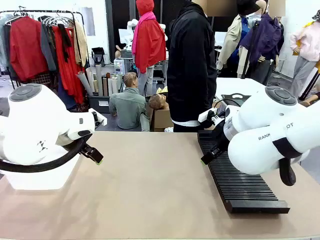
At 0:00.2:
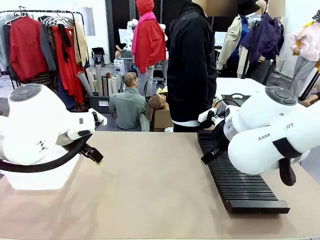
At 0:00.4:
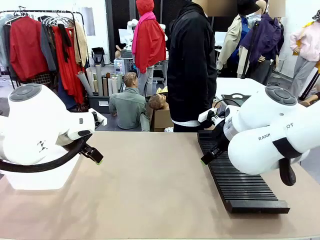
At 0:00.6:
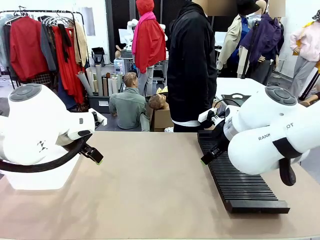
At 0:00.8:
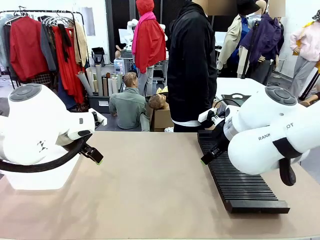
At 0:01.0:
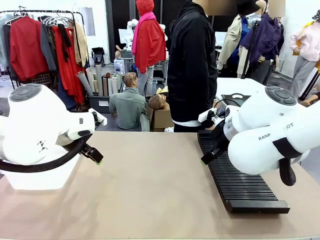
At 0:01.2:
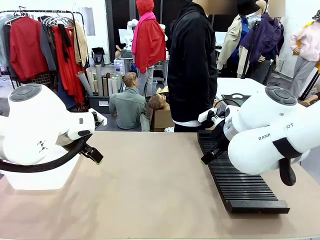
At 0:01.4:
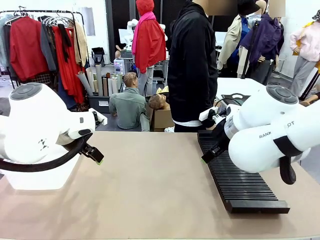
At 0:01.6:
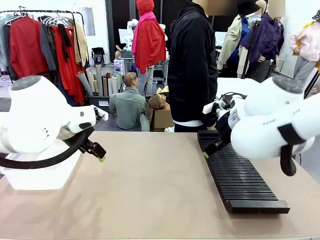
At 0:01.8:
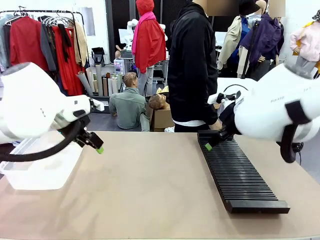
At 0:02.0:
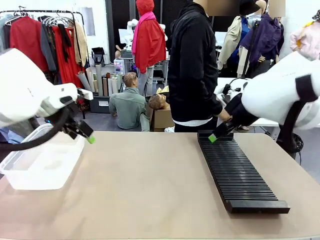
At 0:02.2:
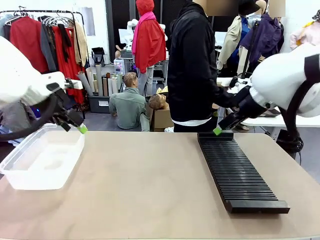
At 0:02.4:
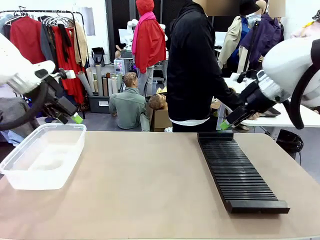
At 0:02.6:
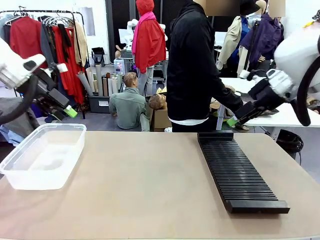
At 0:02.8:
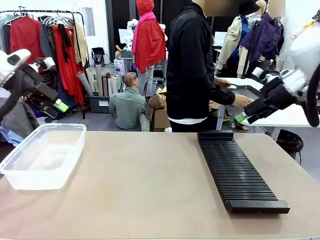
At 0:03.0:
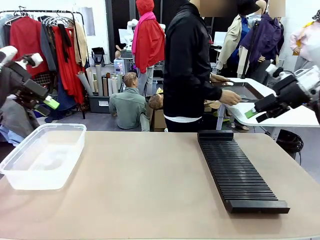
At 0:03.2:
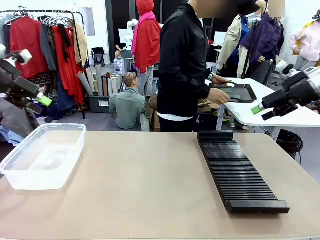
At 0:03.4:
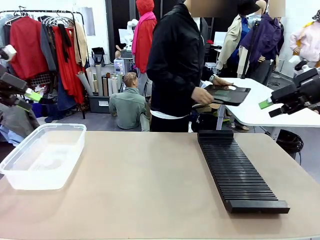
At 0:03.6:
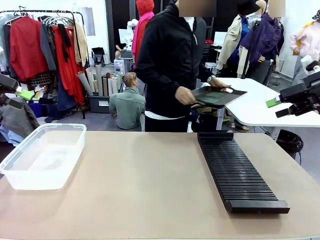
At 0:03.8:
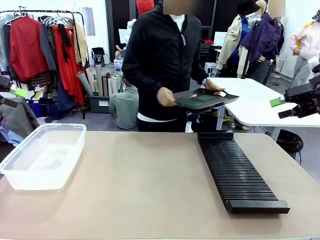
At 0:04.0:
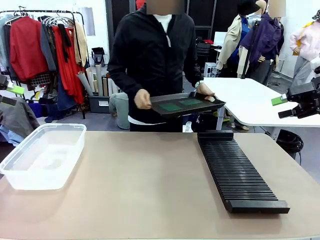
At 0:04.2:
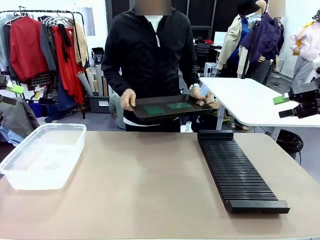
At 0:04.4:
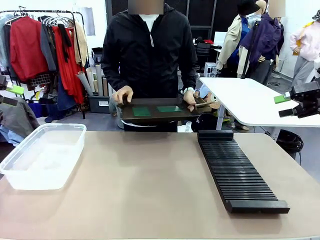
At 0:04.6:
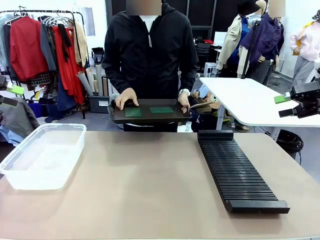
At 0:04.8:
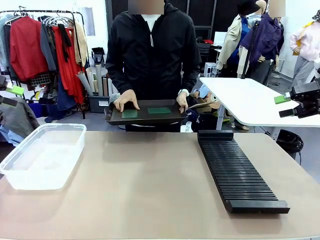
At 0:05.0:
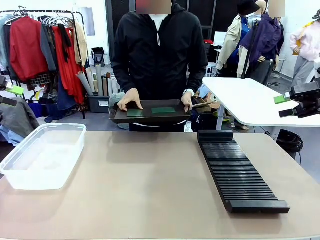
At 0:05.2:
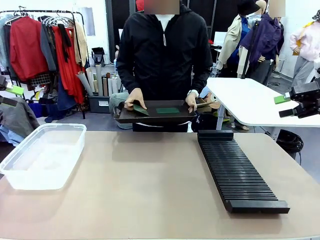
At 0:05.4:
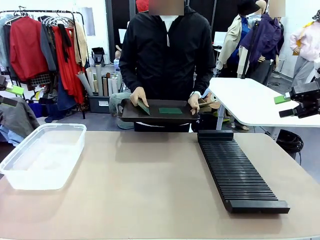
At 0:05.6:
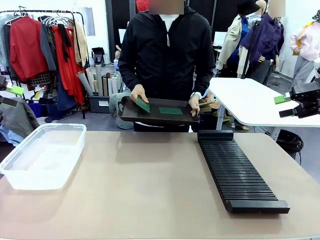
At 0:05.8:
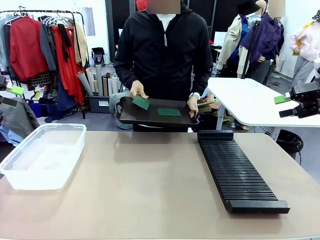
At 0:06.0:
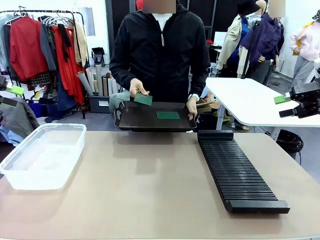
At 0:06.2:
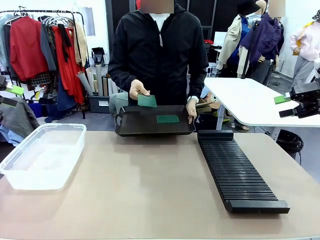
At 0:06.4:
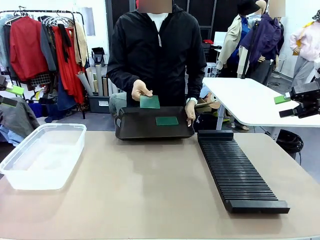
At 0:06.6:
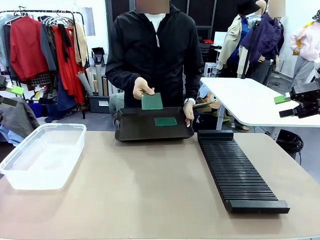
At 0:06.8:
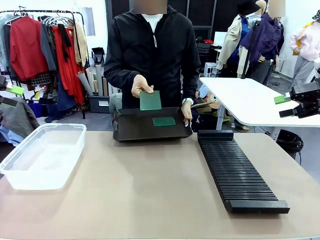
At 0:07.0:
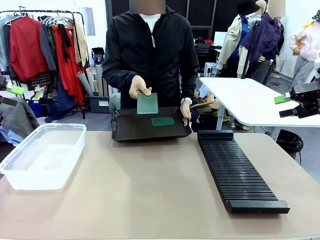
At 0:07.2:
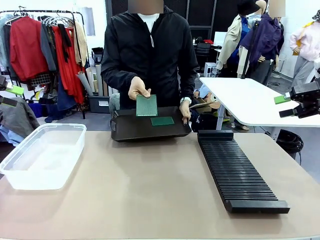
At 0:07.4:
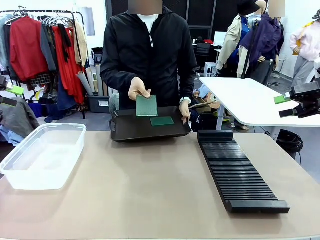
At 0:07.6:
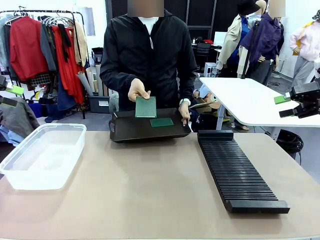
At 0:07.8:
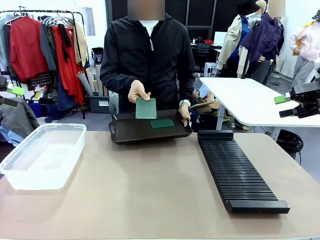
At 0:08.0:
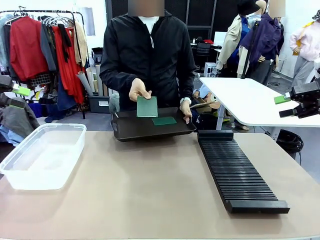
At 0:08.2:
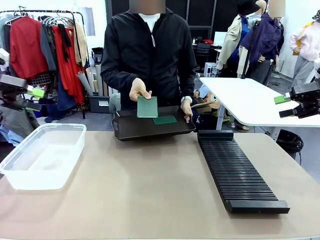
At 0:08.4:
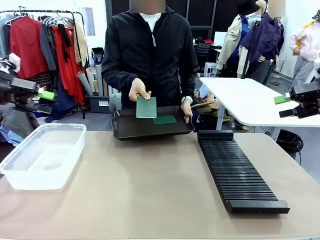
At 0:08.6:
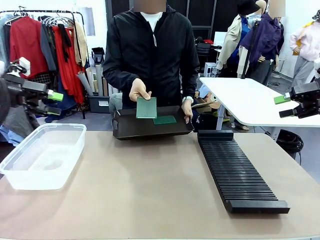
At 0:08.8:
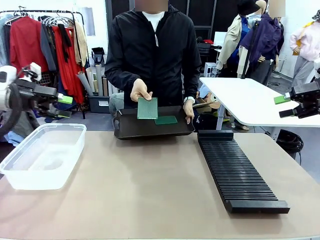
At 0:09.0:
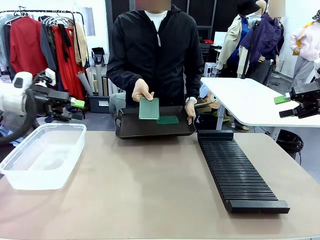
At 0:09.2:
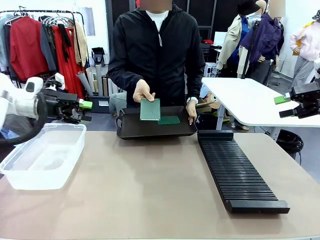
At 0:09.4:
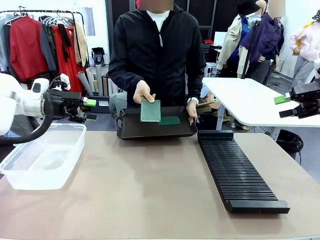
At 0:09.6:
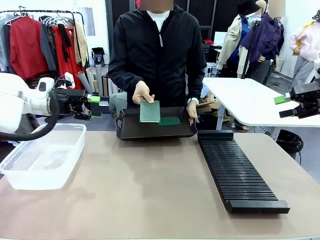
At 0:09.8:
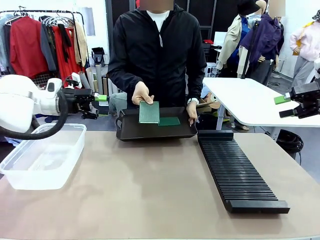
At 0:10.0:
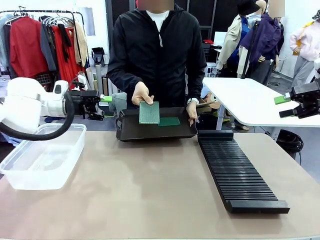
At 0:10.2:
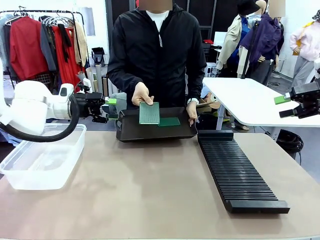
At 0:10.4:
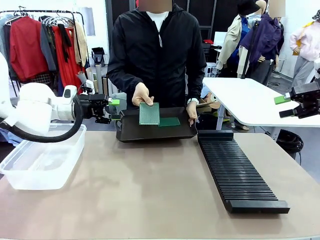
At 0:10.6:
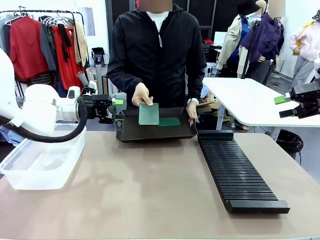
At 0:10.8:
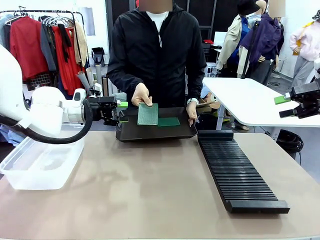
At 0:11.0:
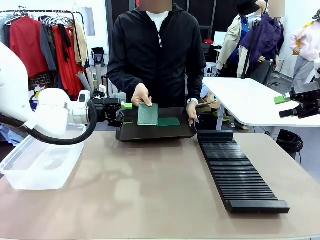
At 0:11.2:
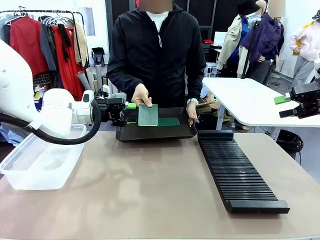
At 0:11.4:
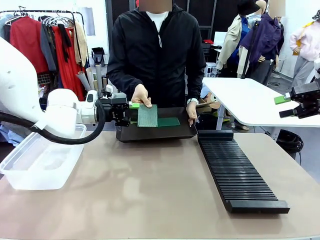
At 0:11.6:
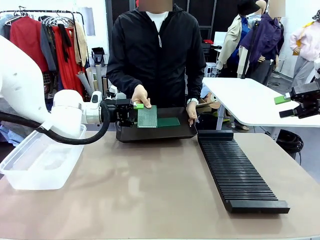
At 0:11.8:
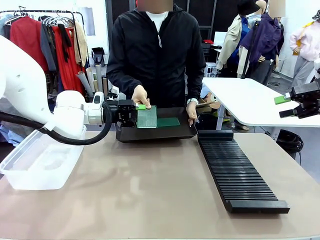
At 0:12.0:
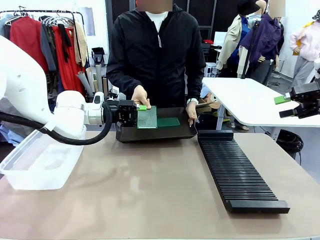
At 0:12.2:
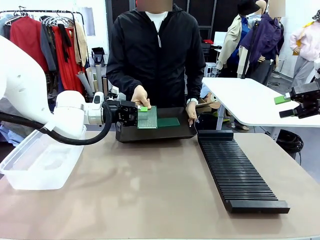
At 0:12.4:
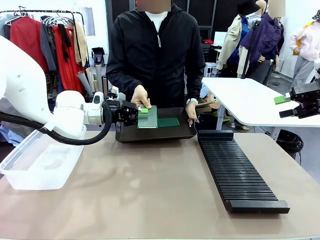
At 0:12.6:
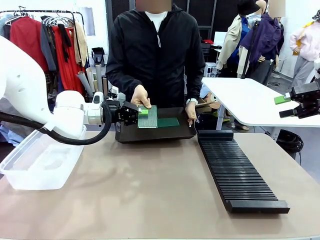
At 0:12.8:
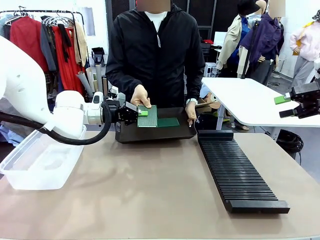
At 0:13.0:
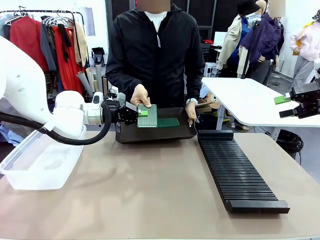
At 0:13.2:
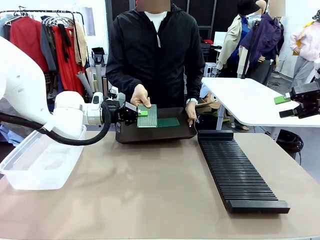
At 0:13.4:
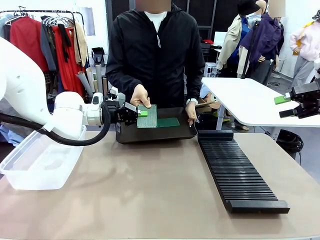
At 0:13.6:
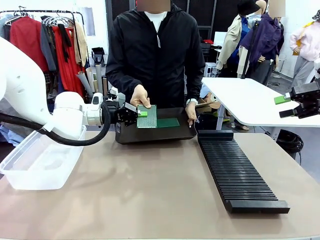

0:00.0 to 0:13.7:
Task: Sort PCBs into racks and boxes based on the side picked up.
Robot: Pick up the Blank PCB handed by the Human.
Person: Pick one PCB from the tray and present it to the robot. Release the PCB being held.

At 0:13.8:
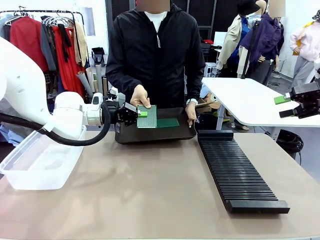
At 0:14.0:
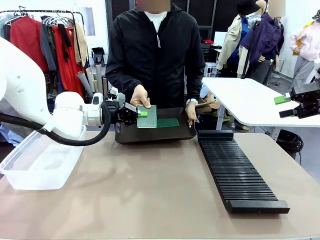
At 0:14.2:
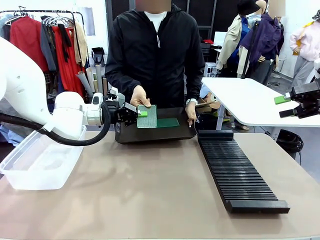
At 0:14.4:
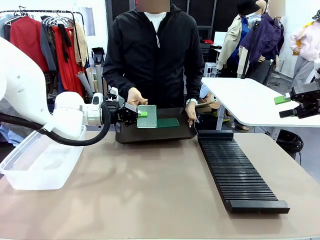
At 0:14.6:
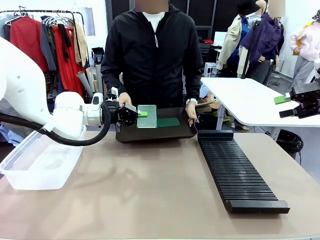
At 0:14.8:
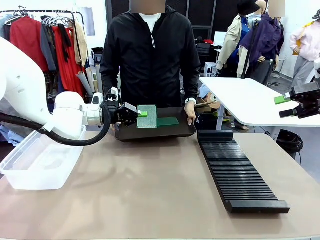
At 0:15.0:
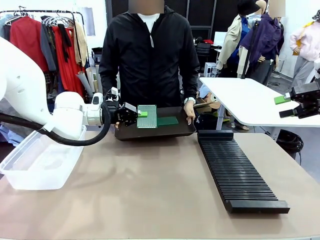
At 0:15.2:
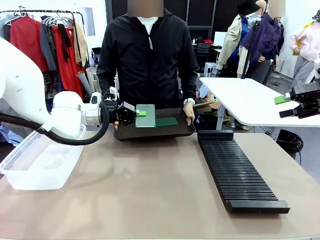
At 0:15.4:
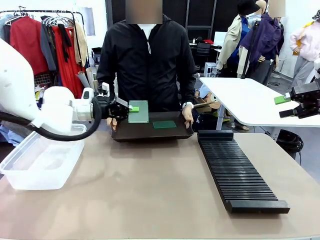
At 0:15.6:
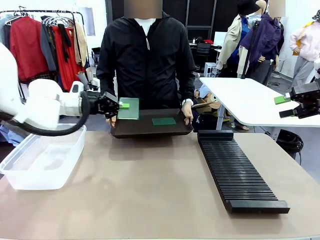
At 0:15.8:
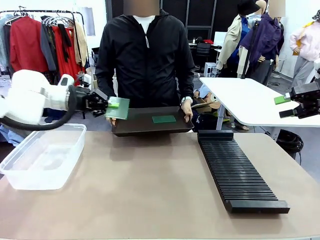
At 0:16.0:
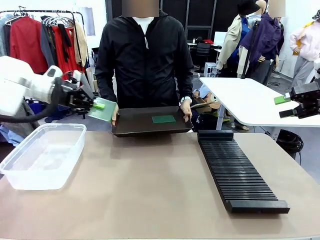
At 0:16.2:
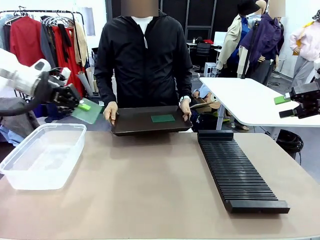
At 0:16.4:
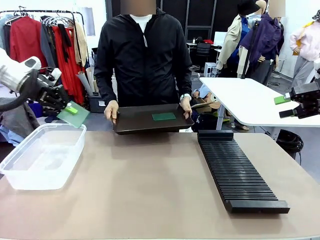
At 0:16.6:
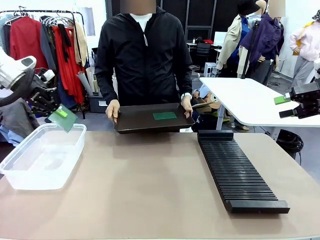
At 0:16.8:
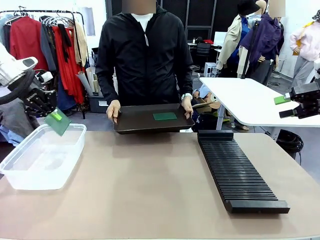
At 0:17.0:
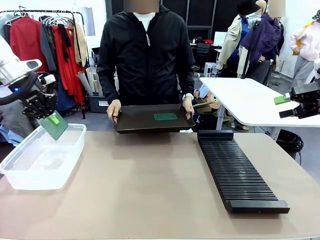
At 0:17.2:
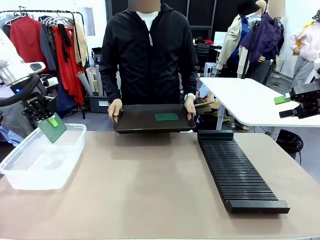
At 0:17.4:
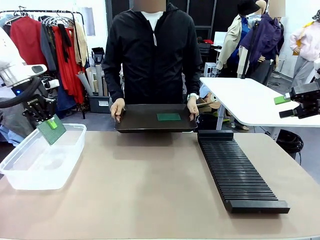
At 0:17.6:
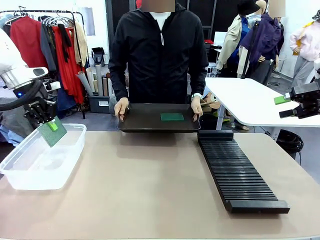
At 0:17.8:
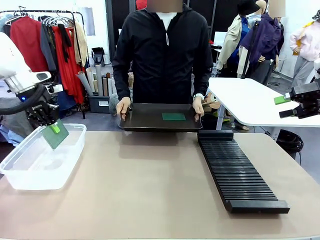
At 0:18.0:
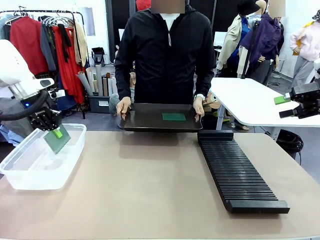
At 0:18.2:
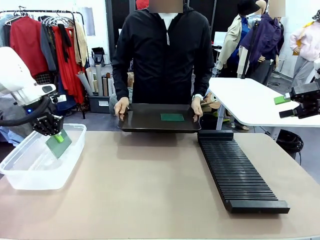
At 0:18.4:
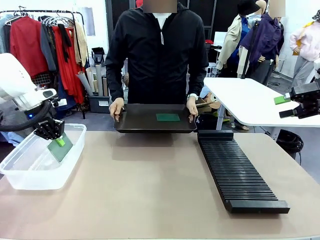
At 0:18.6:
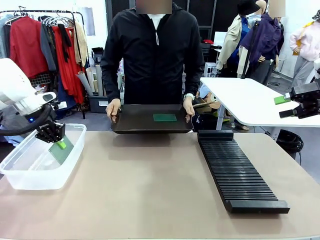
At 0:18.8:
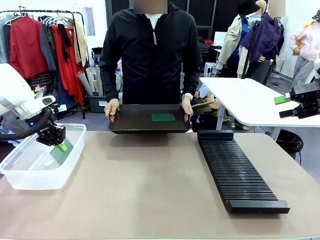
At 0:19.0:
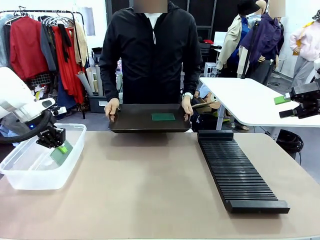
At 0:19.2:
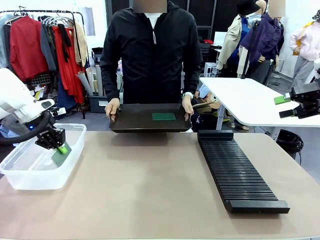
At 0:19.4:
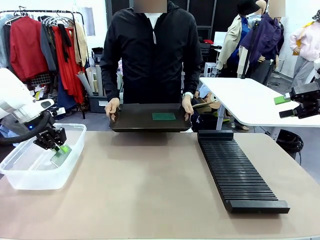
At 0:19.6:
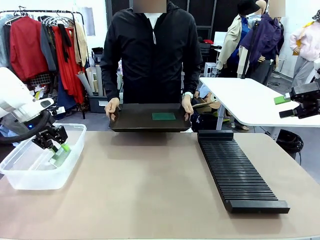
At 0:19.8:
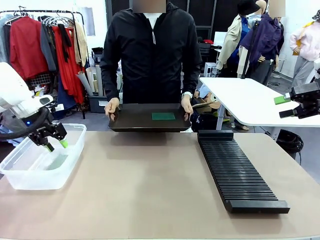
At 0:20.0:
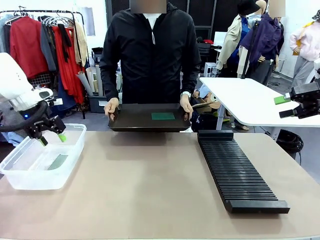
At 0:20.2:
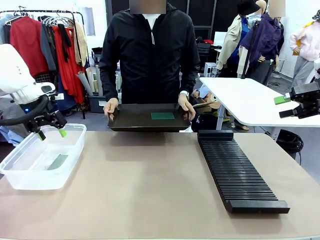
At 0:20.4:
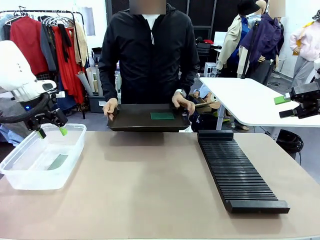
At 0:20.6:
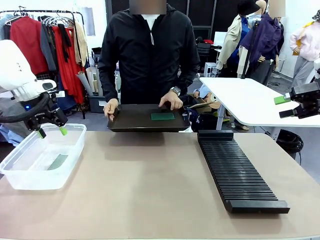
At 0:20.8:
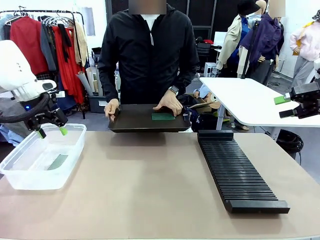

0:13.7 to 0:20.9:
Robot: If the short side of the Blank PCB is picked up, insert it into the PCB Rack ; if the long side is picked up, place it in the Organizing box.
Person: Pick one PCB from the tray and present it to the robot.
